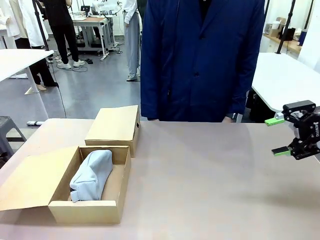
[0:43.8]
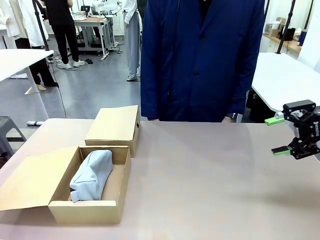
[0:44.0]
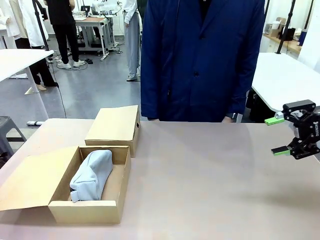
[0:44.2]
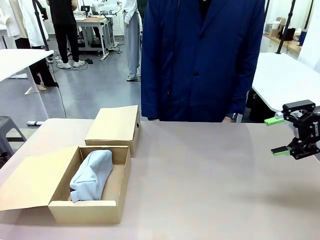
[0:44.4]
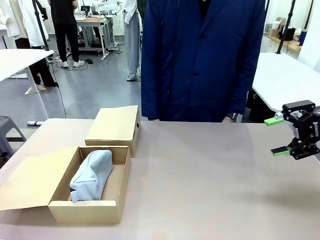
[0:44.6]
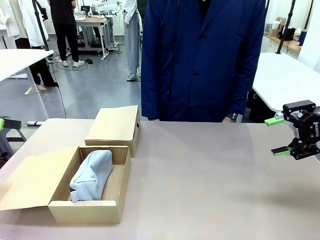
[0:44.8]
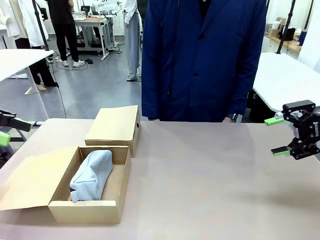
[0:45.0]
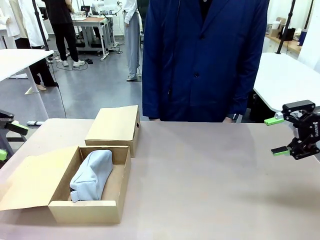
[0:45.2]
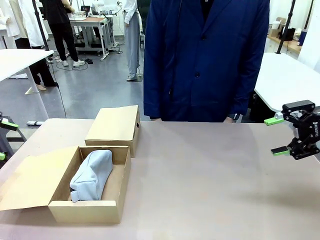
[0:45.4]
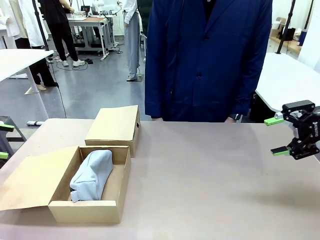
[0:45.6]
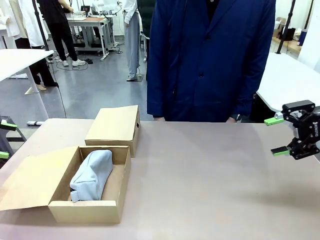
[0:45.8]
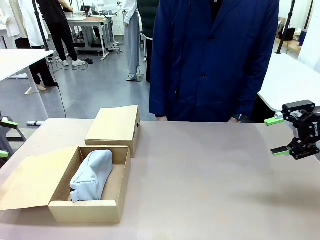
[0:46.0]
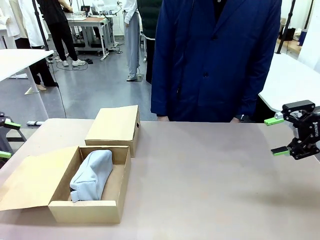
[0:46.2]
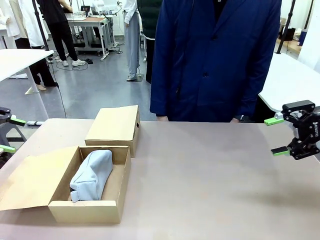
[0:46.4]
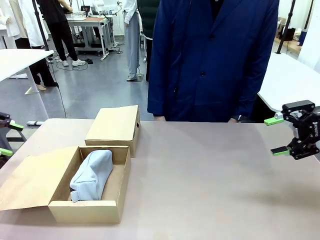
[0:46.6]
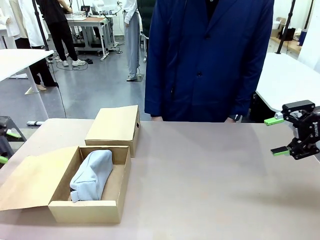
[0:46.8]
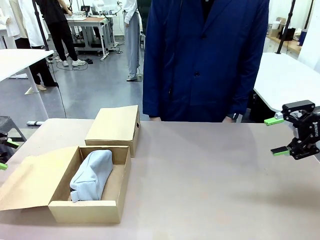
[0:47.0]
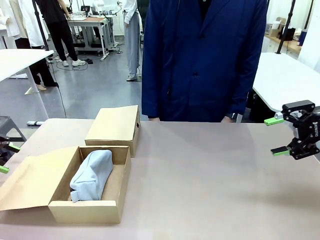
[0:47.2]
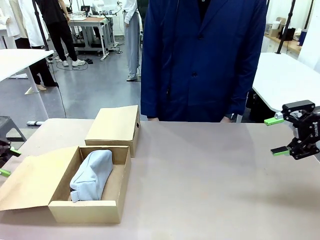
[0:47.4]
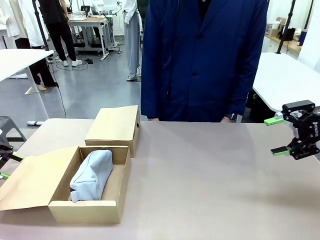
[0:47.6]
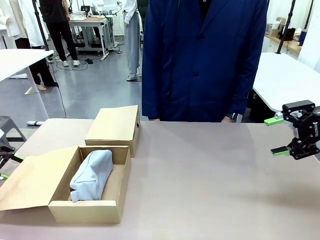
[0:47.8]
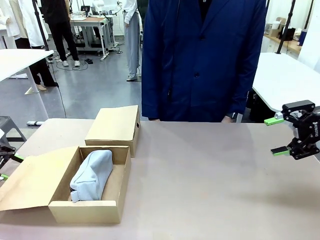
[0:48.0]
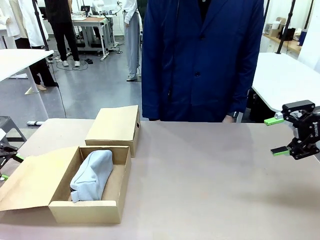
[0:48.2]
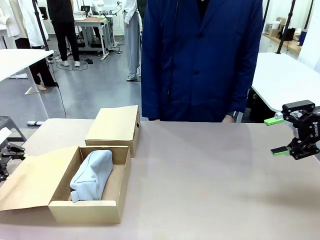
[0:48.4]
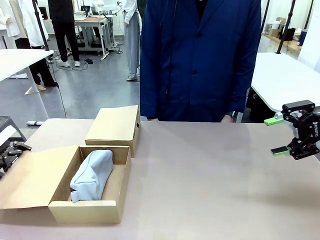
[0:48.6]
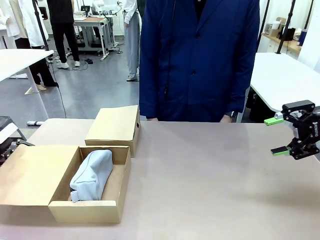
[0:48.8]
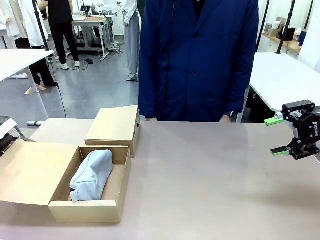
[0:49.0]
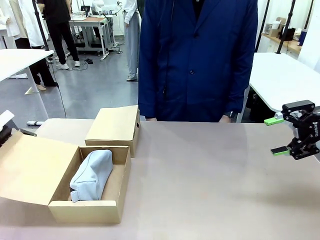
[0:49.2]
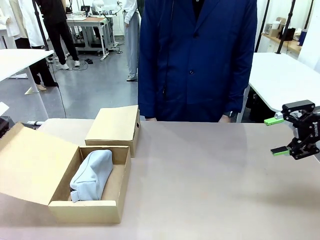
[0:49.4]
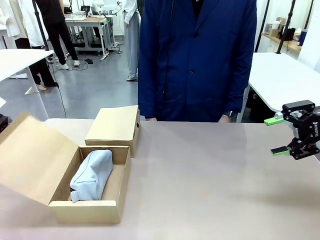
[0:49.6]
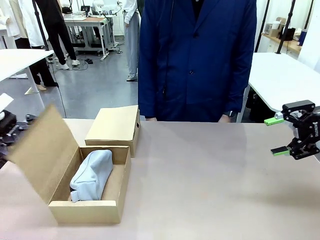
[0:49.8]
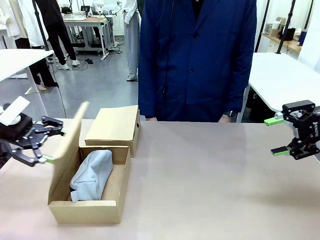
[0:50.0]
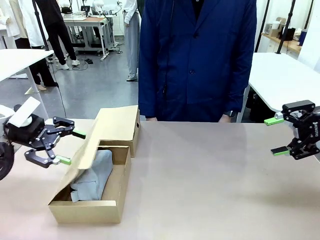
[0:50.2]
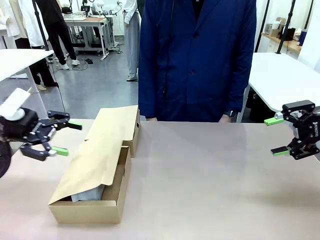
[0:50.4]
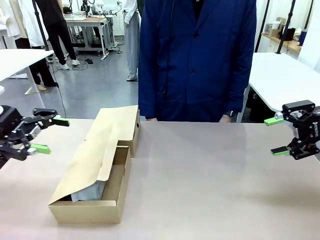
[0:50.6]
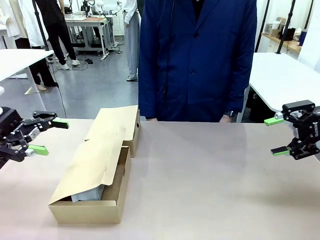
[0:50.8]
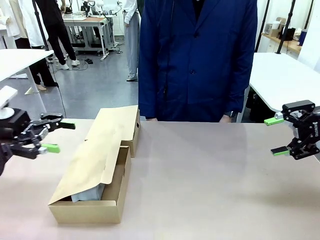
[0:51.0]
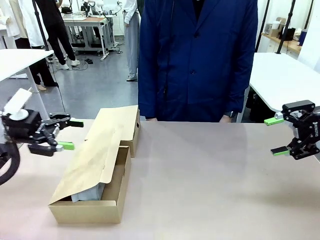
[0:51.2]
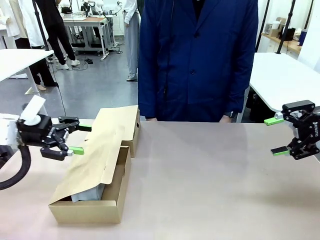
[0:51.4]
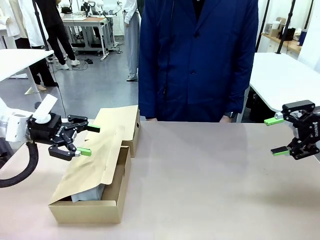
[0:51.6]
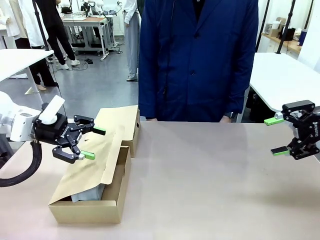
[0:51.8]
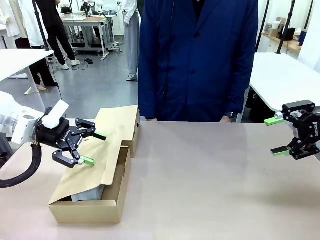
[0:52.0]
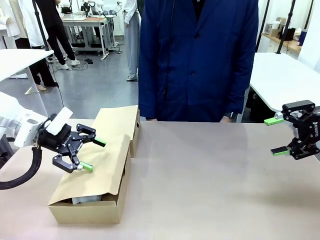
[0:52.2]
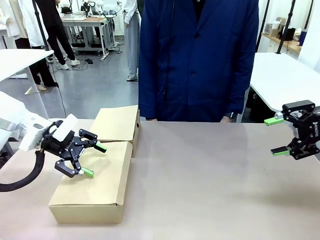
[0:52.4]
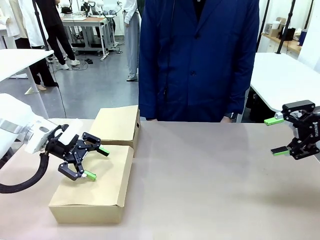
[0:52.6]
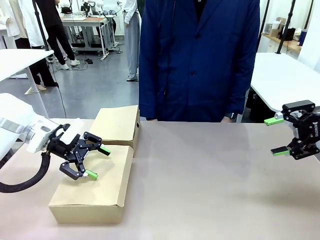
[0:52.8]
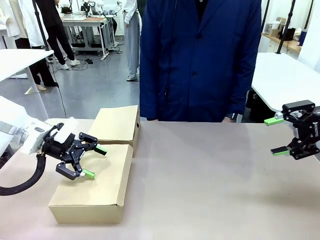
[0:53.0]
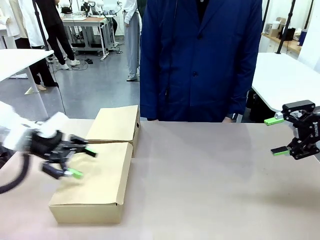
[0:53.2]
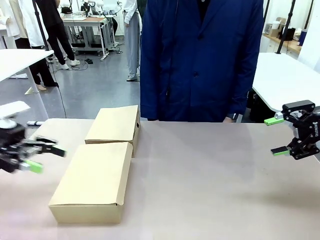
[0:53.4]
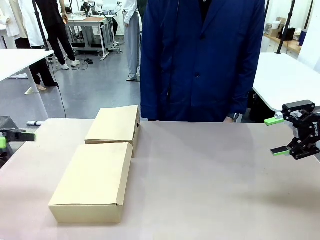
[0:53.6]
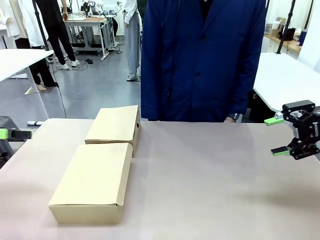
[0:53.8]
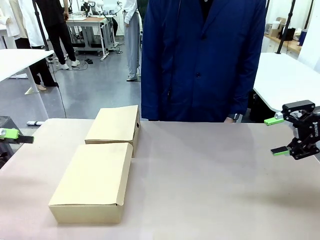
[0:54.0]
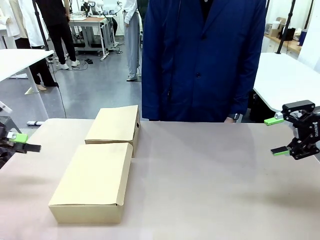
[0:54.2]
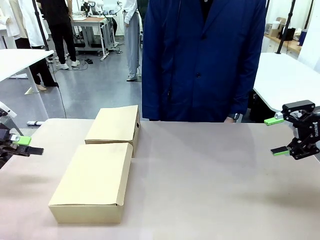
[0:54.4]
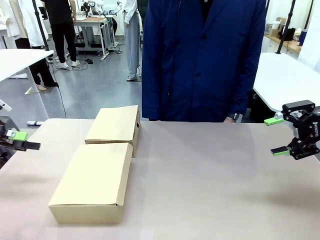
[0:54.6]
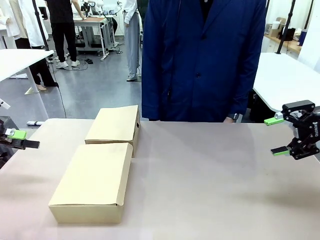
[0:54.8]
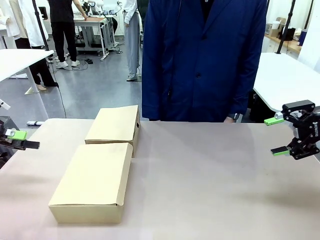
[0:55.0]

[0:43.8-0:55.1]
Task: Place items inside the box.
Robot: Close the lid of the Mailer Box closest to the robot.

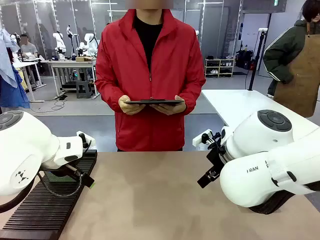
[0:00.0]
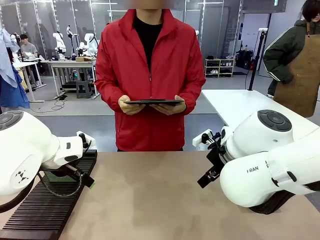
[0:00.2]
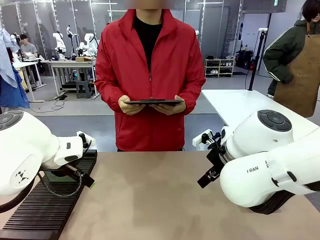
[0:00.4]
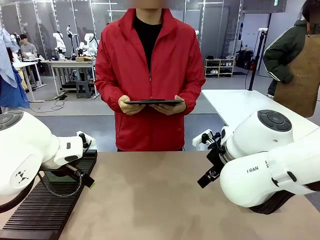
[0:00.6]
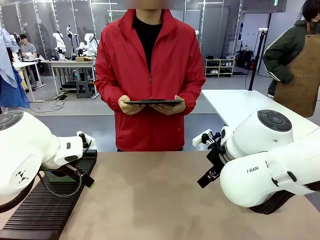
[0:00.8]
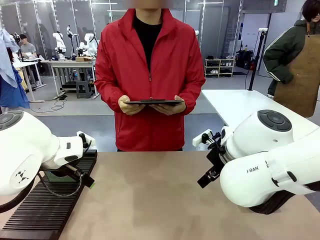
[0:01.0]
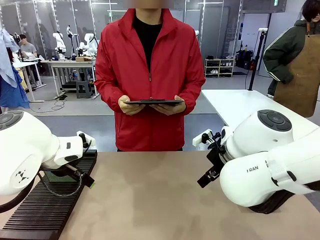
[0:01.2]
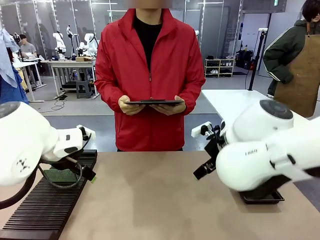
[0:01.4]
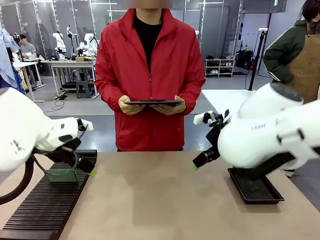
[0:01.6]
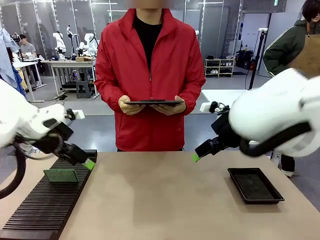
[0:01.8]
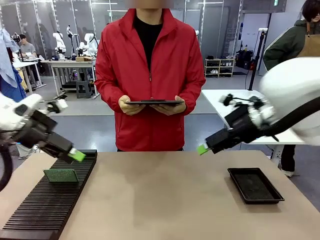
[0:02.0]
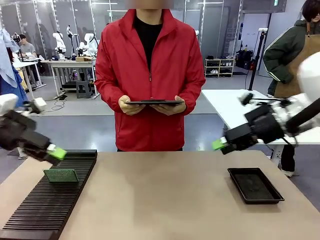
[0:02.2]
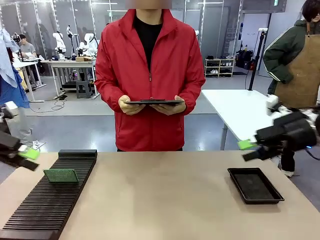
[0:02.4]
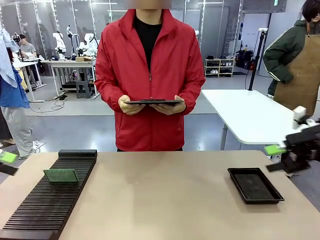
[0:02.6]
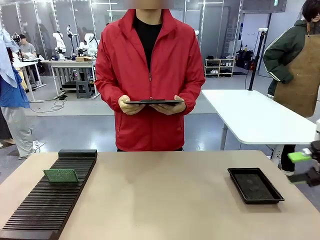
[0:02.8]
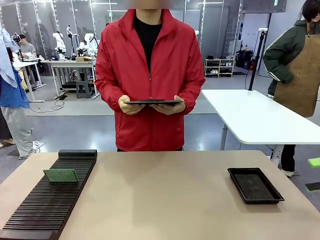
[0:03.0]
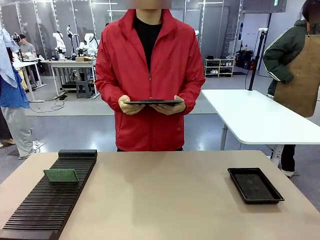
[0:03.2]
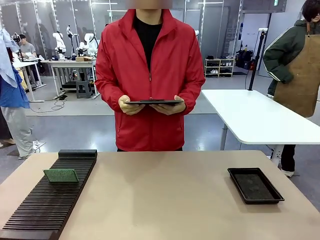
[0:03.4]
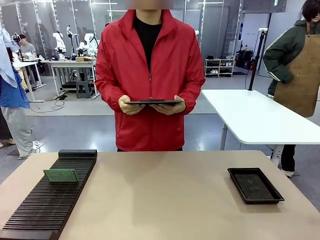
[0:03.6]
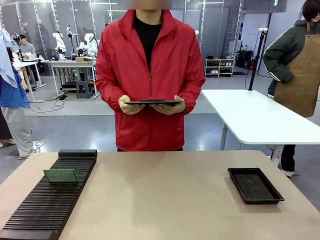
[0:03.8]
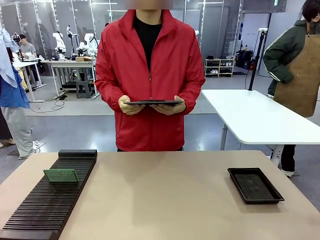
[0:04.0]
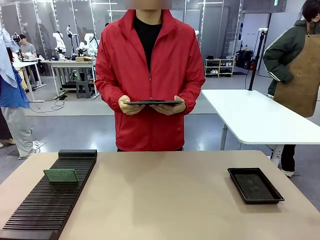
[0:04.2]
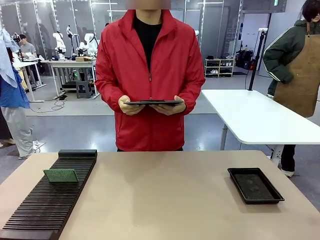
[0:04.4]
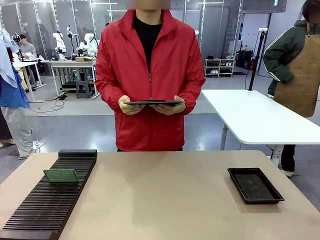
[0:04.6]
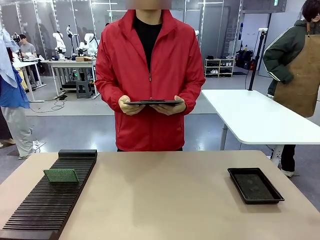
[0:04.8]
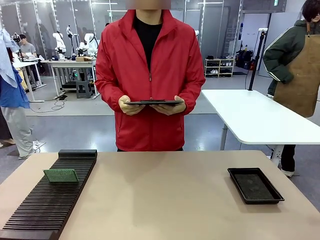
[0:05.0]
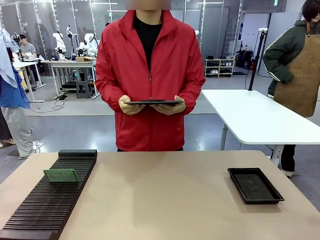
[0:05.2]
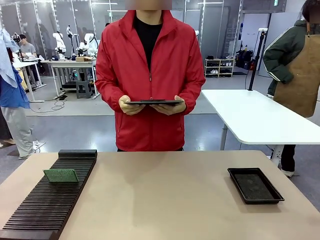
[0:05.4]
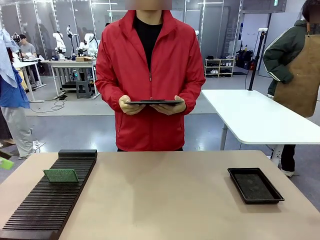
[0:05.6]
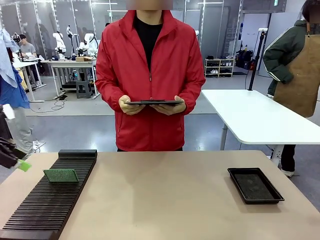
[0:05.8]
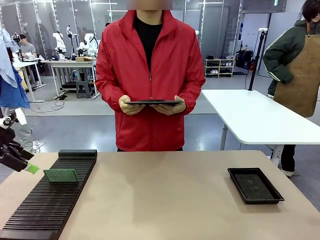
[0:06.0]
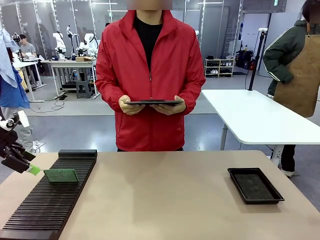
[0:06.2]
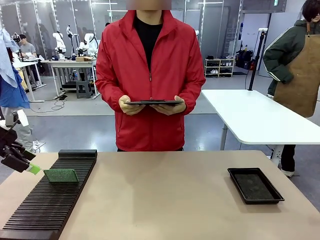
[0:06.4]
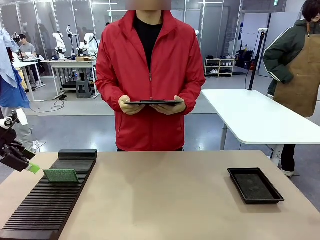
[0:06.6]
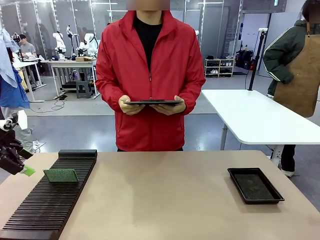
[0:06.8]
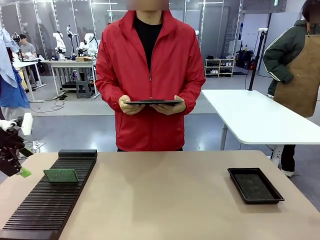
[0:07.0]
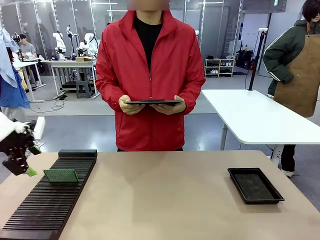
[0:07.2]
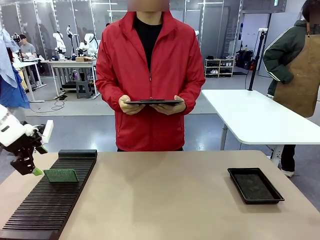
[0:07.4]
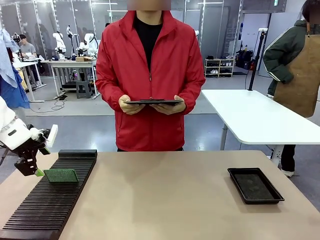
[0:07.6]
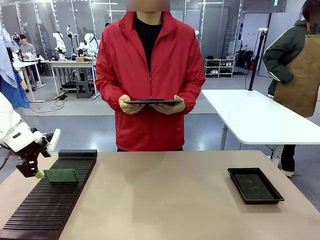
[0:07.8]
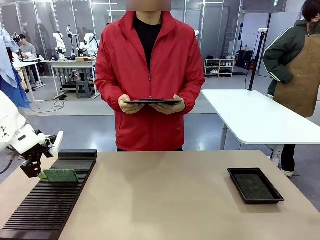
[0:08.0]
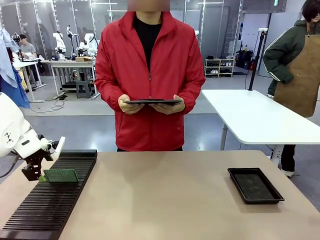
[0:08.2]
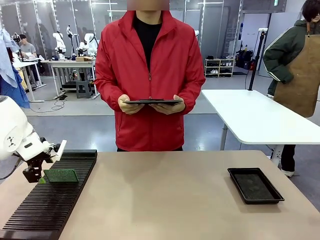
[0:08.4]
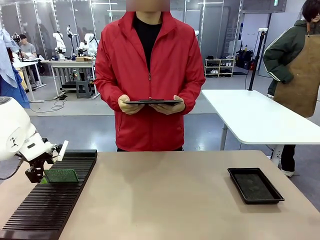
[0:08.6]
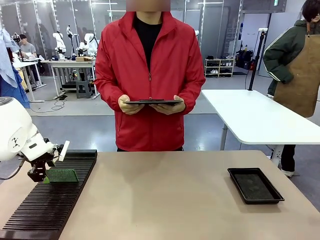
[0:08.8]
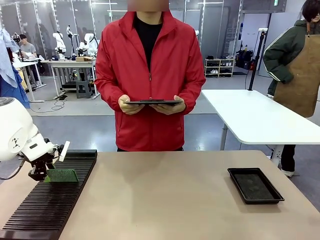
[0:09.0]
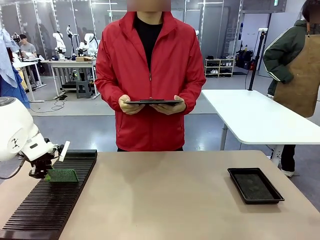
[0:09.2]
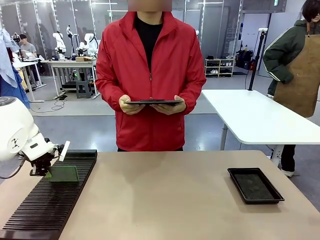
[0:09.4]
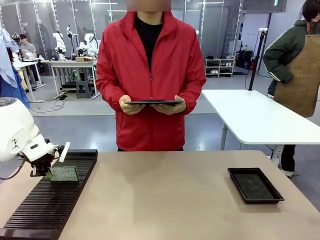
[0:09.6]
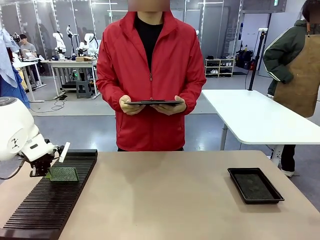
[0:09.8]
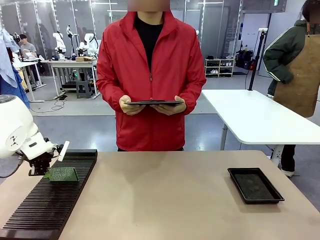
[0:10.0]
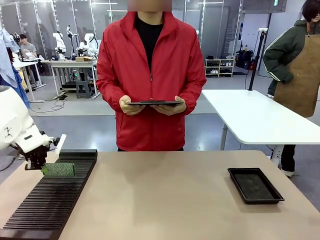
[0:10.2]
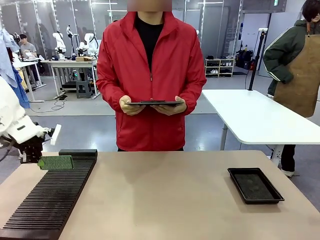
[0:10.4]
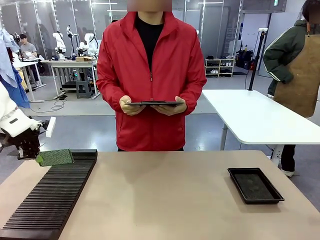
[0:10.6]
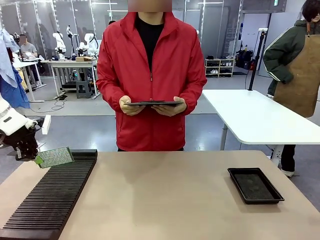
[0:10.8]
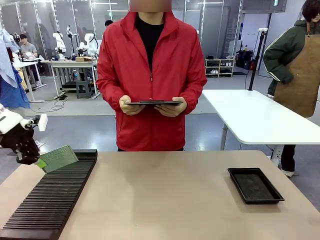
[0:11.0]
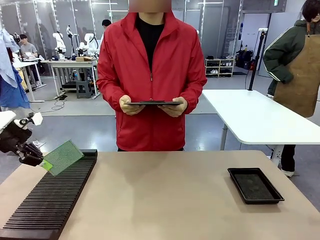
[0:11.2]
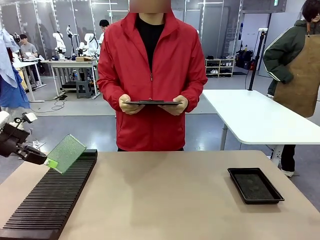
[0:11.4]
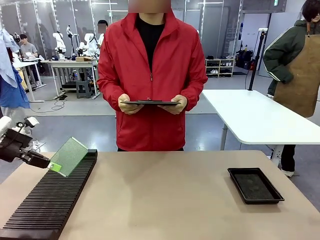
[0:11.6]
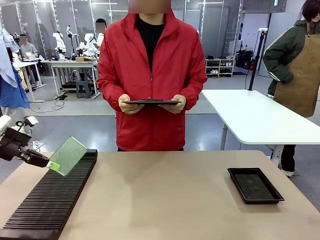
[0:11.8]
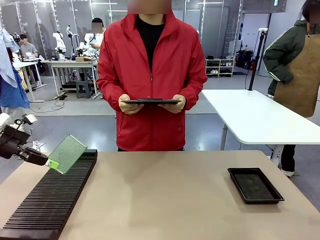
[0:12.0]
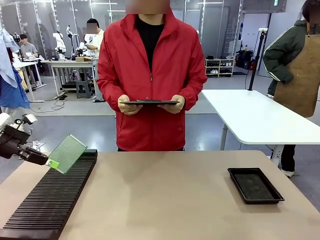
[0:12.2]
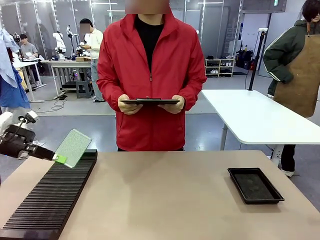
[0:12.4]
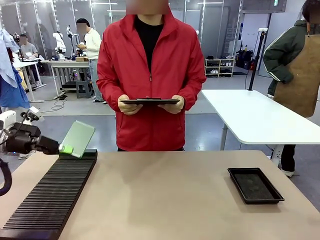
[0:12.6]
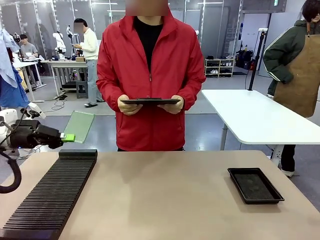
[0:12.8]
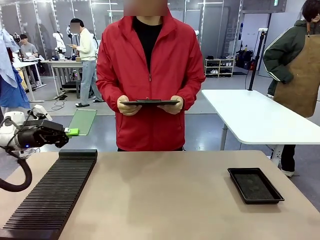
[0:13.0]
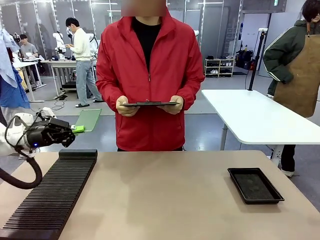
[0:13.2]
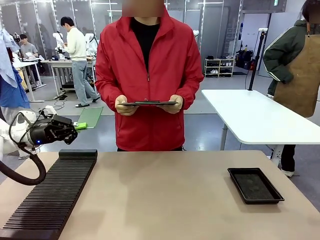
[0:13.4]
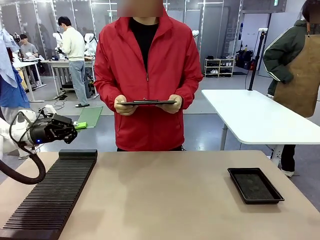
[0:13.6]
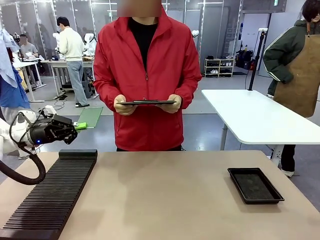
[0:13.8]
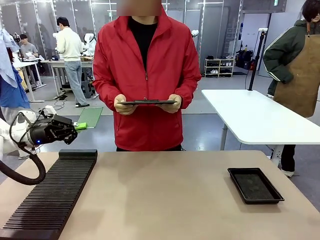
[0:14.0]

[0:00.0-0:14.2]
Task: Inspect the PCB.
Robot: Pick up the Blank PCB and present it to the human.
Person: Pick up the PCB presented by the robot.
